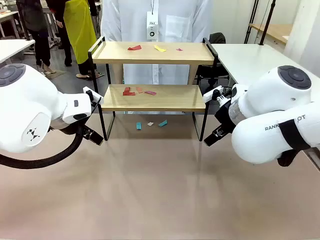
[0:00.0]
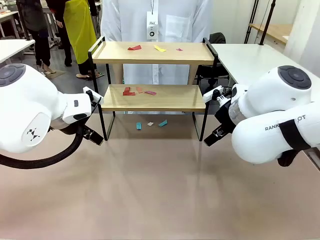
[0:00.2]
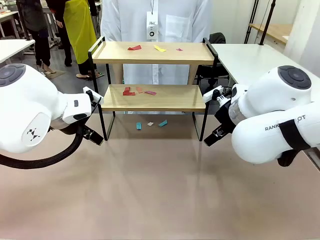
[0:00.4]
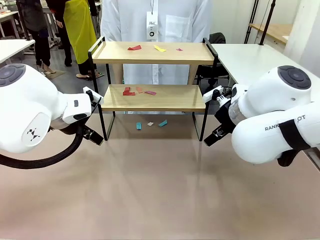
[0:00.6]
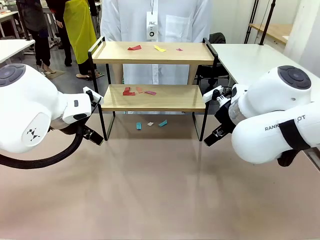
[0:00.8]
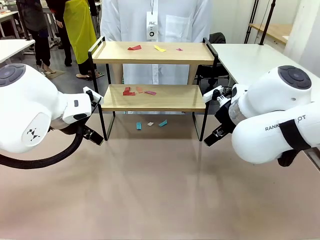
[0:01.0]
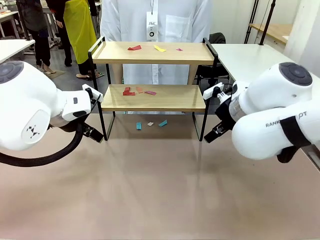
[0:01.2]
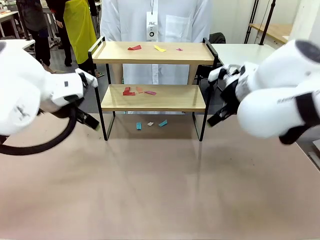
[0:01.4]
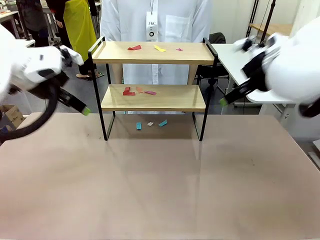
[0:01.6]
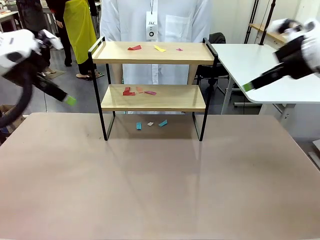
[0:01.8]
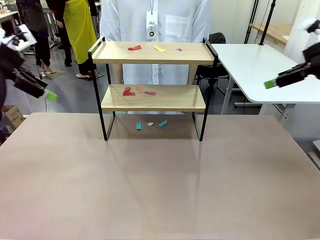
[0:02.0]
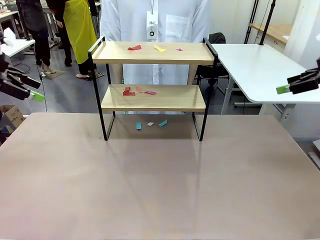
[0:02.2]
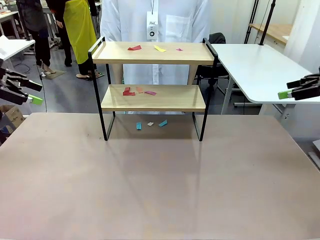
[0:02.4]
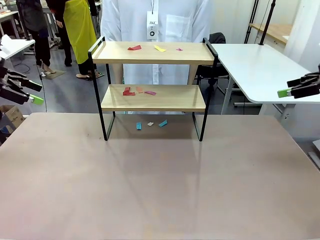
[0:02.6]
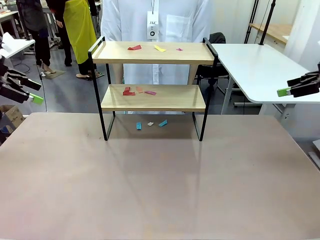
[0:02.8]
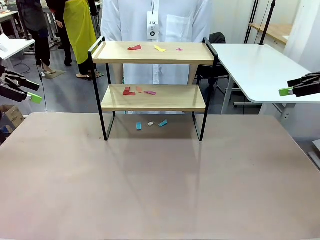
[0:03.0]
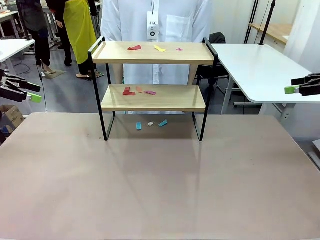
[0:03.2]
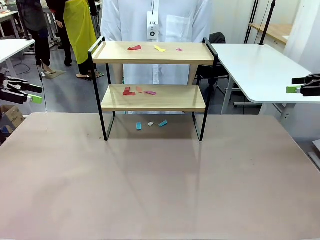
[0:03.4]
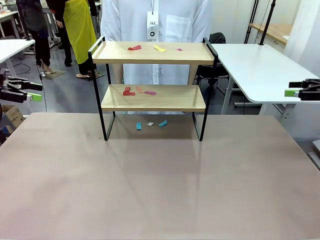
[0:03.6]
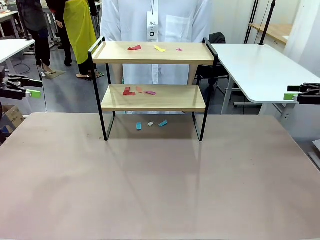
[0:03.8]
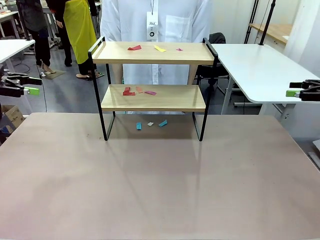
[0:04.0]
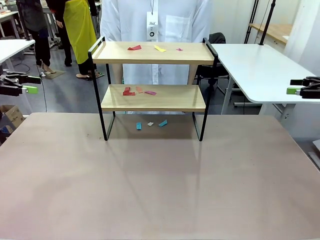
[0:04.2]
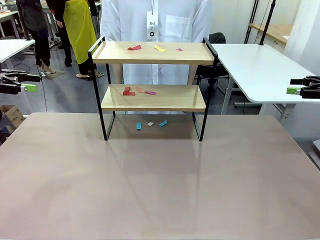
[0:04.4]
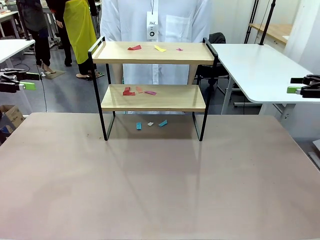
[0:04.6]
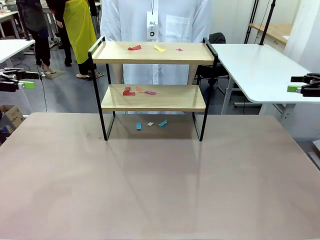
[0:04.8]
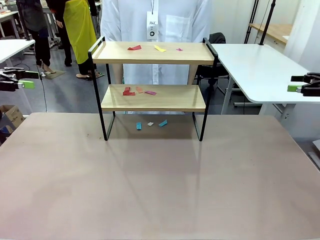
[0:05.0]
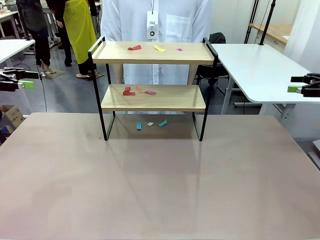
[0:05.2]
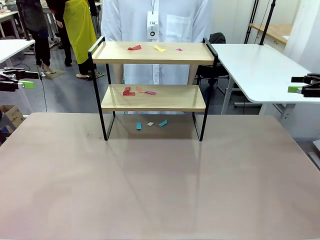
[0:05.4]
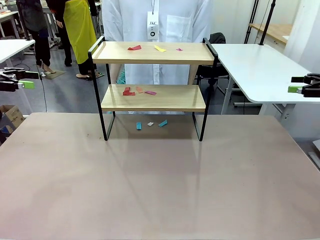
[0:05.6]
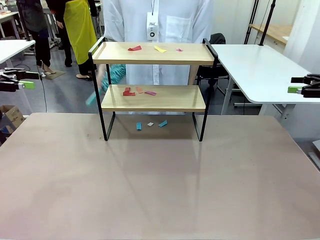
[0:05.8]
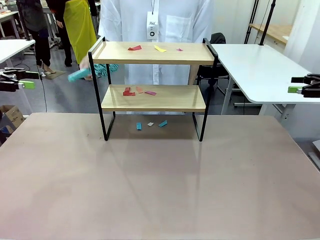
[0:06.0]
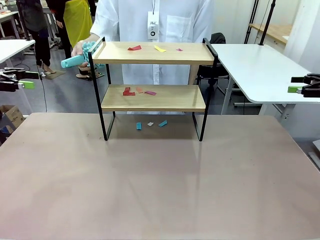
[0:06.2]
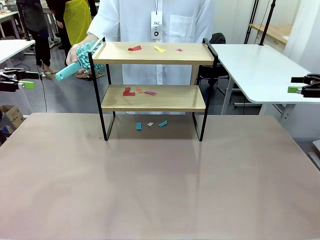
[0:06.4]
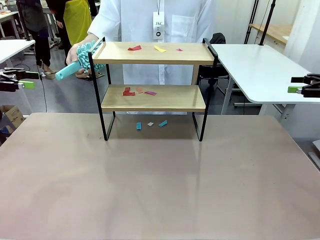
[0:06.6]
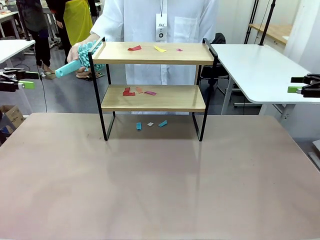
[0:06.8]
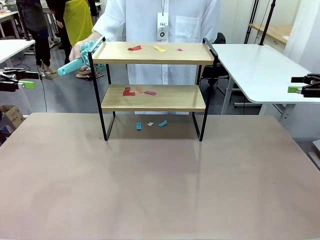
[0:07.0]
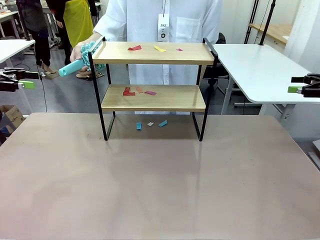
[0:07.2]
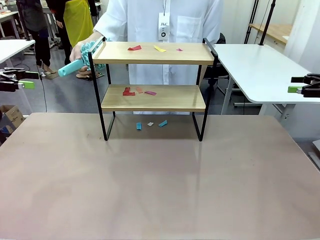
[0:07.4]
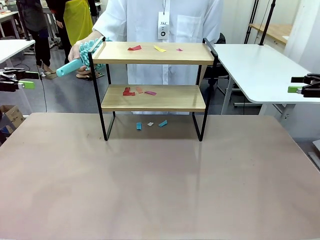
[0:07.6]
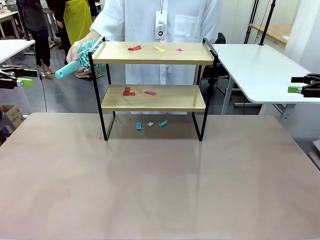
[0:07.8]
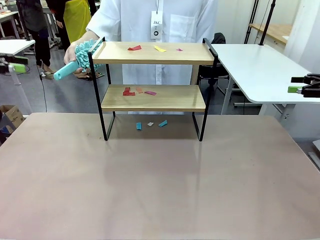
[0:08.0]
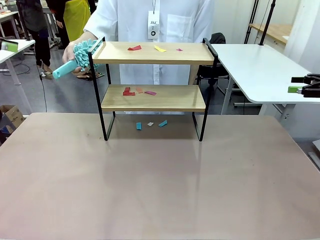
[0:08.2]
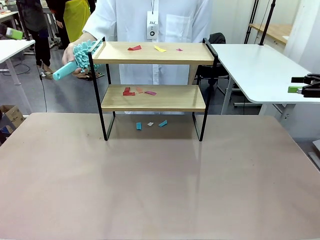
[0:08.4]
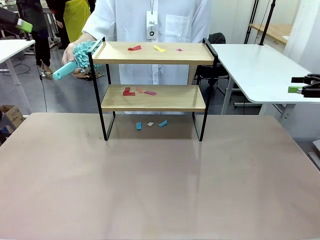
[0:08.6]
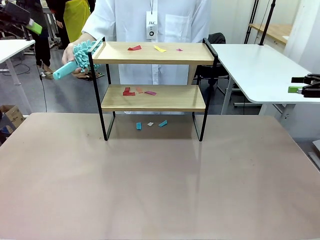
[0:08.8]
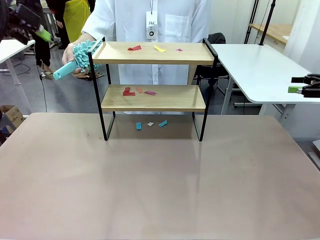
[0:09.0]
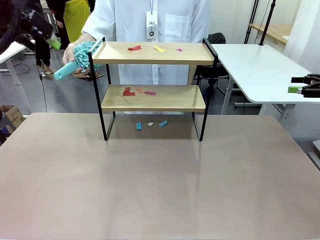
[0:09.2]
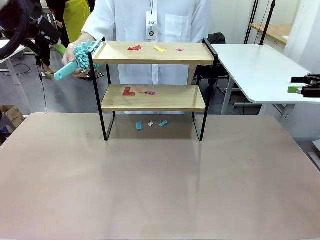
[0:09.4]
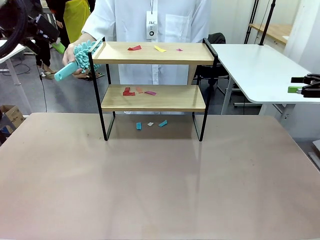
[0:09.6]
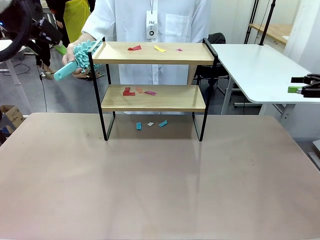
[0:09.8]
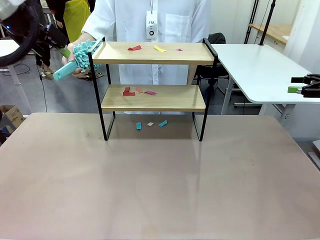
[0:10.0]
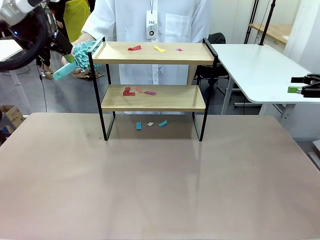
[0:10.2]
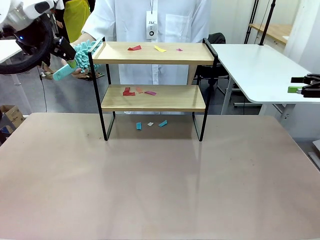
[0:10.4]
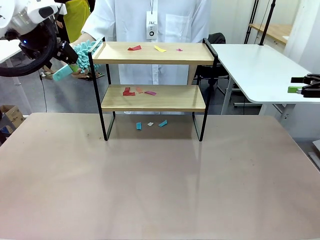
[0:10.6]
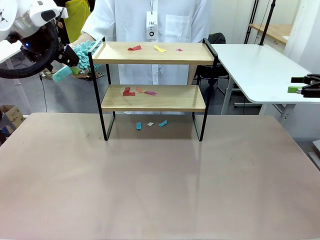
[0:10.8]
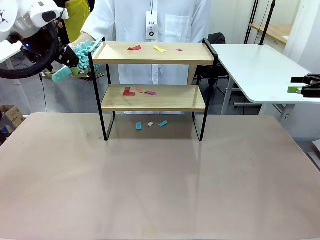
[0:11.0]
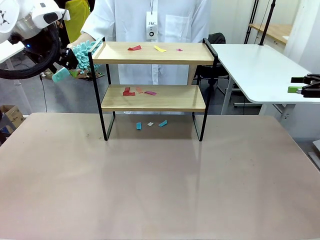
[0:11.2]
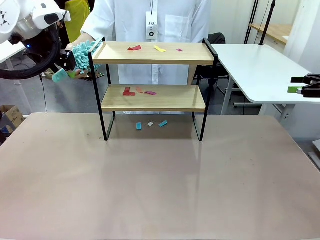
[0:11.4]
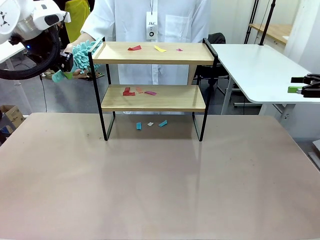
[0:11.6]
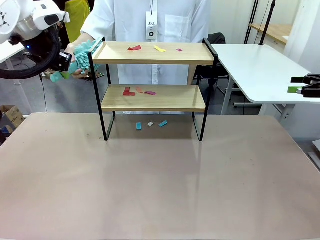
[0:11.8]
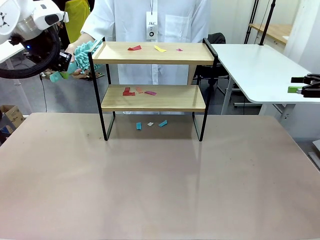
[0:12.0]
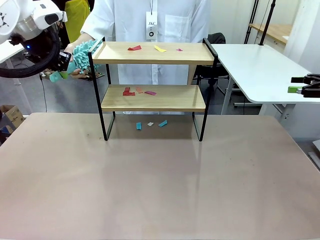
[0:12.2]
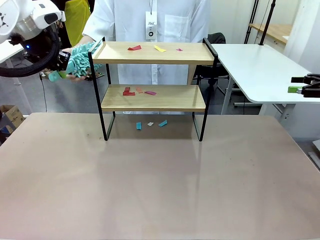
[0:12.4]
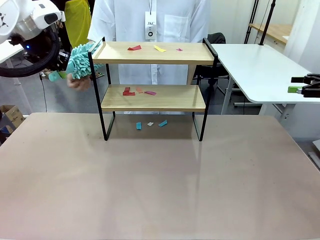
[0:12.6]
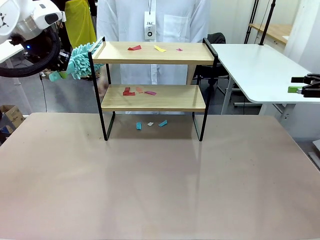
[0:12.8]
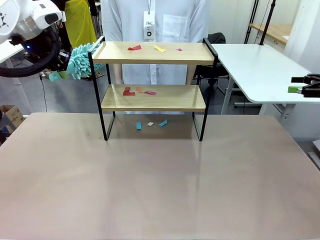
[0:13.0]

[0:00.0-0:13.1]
Task: Clean the shelf.
Robot: Pick up the Duster handed by the human.
Person: Hand the Duster to the robot.

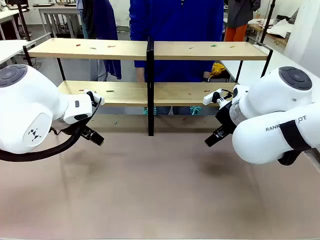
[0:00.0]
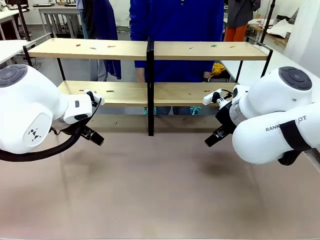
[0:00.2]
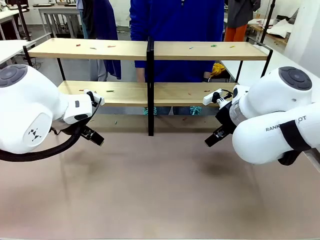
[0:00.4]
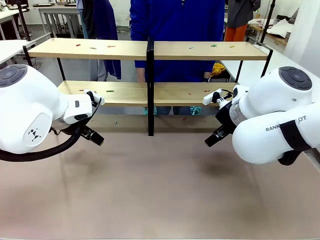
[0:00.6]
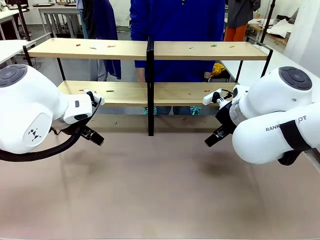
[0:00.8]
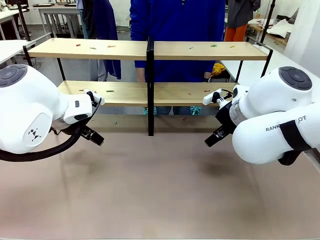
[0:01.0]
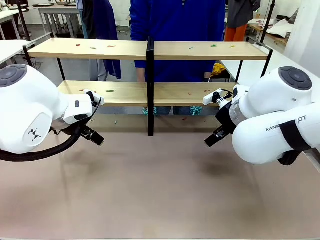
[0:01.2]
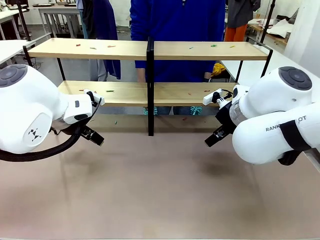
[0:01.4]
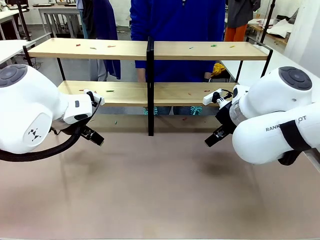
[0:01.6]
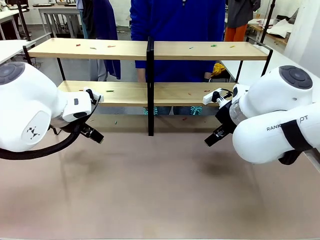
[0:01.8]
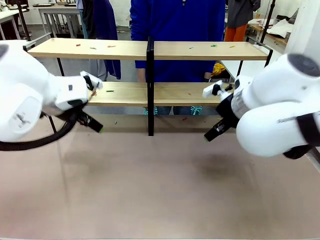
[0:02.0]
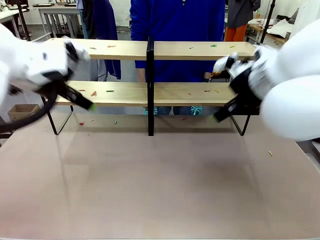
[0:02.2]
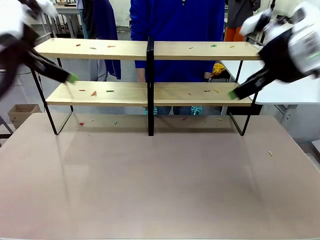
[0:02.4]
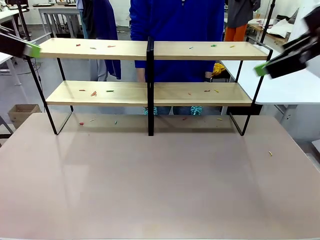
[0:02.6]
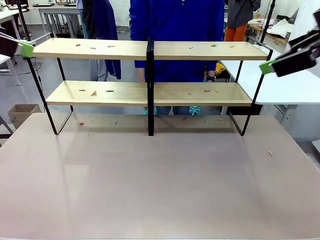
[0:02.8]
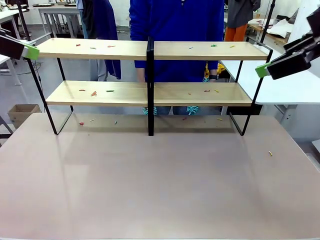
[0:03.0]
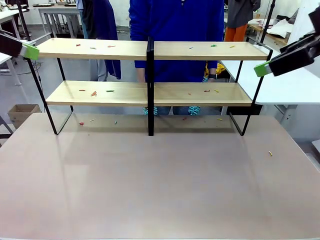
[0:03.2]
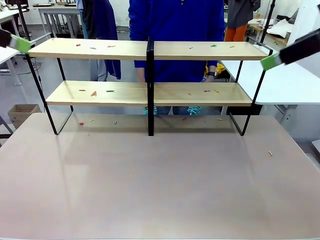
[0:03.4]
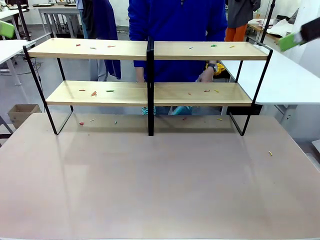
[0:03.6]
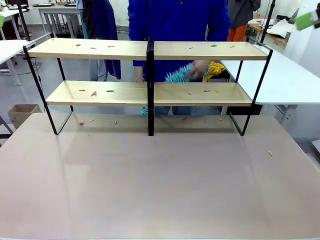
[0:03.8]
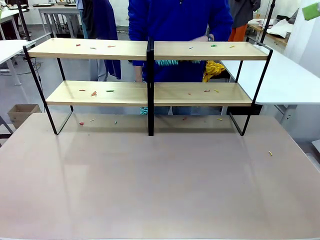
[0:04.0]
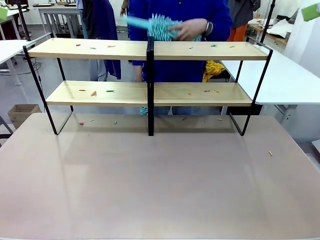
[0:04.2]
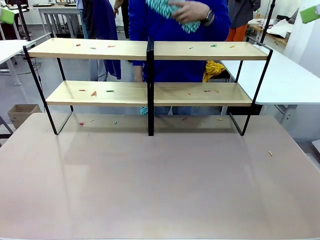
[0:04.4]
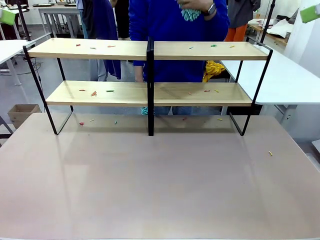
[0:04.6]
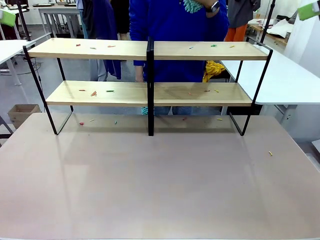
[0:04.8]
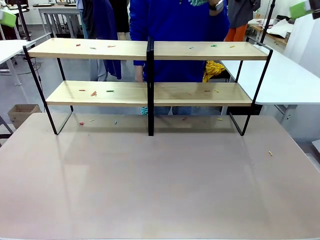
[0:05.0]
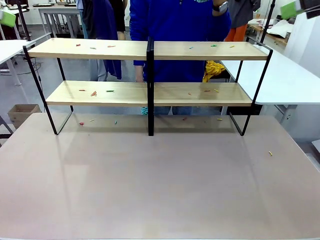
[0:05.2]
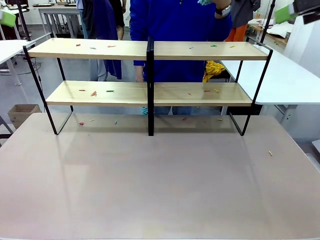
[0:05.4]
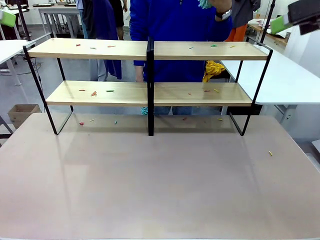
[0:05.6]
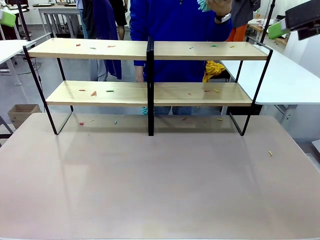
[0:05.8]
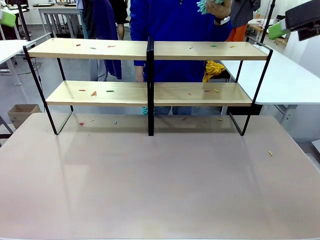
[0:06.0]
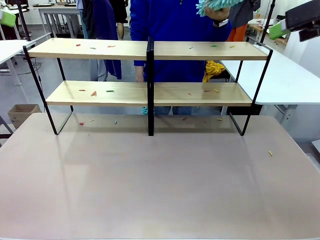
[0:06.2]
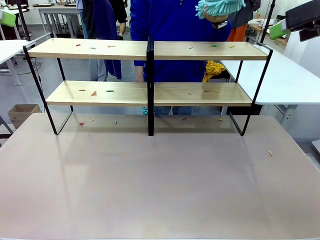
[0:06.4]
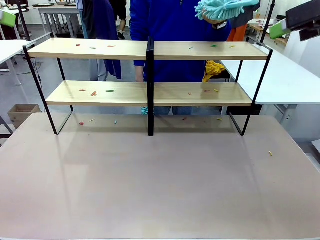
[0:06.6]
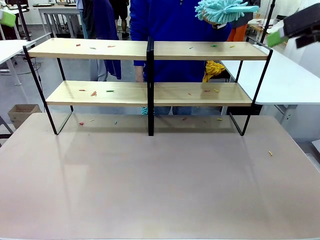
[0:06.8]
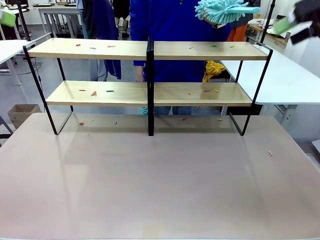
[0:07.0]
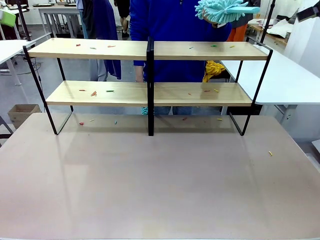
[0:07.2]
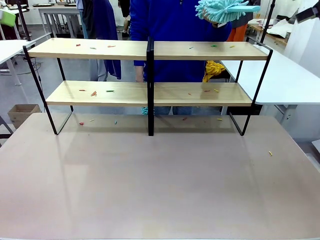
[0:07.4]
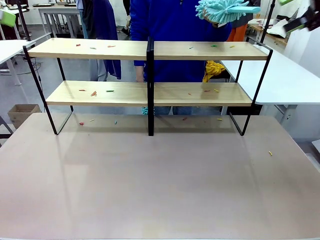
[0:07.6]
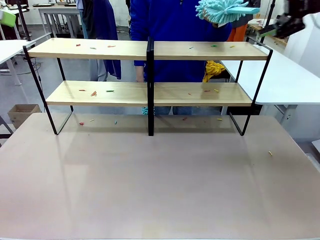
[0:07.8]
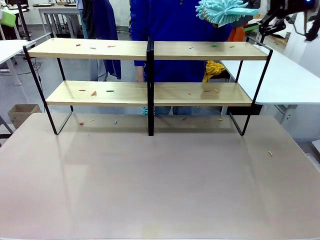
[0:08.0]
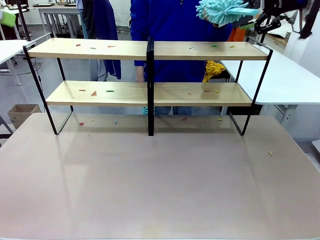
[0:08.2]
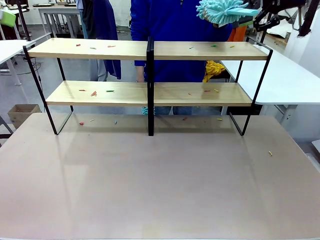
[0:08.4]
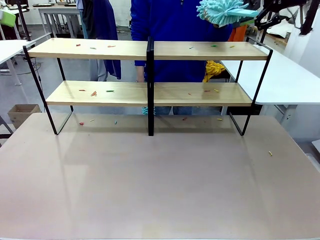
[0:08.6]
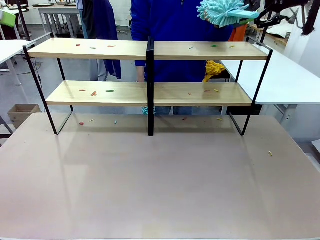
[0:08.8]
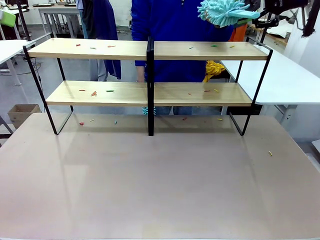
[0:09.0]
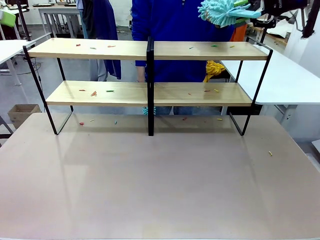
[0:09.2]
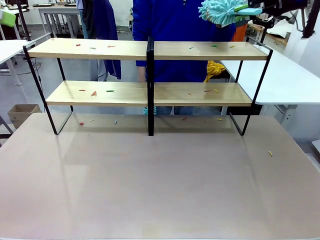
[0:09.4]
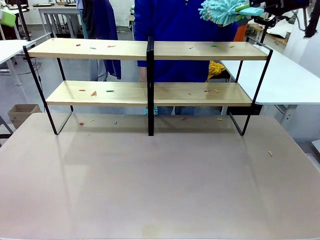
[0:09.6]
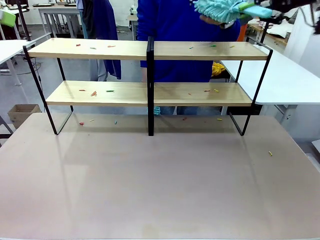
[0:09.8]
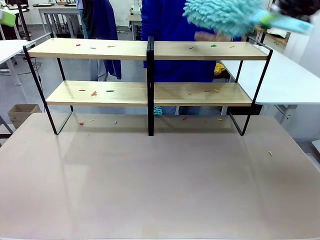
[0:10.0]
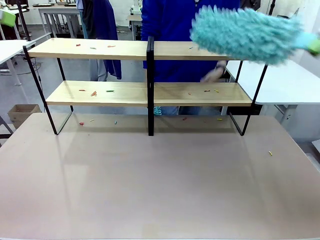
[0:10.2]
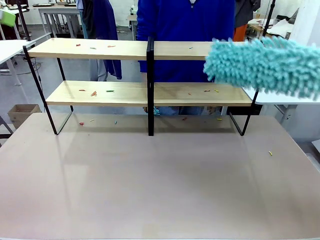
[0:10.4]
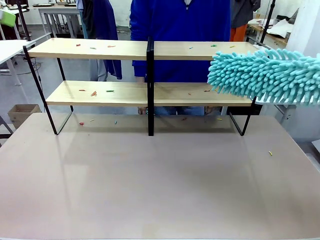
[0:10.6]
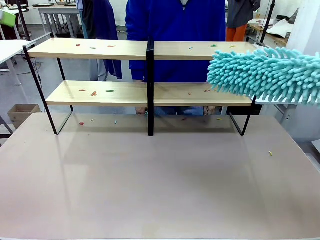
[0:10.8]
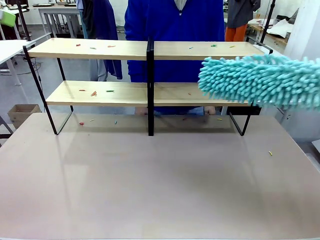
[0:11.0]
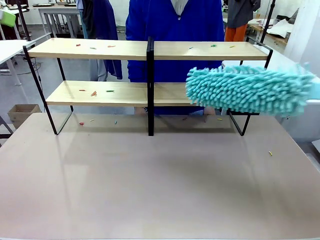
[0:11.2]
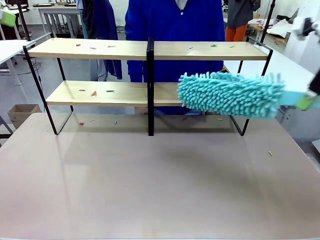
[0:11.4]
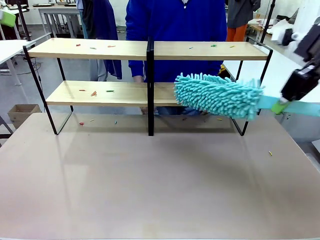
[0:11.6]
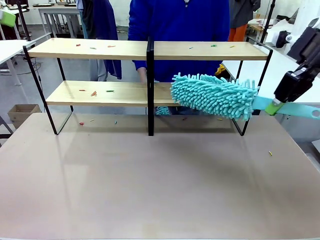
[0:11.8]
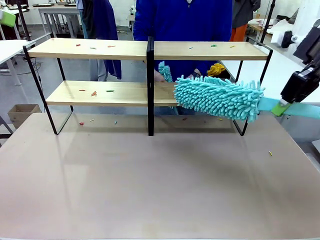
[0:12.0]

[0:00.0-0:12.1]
Task: Clean the shelves.
Robot: Pick up the Duster when the human hands it over.
Person: Hand the Duster to the robot with your right (or left) hand.
